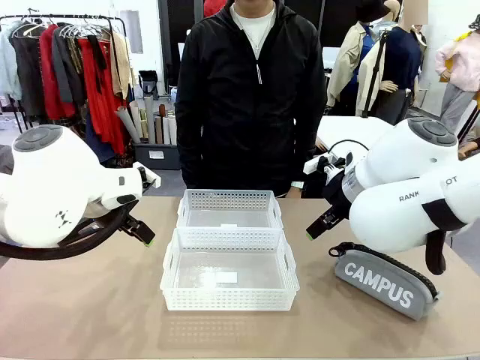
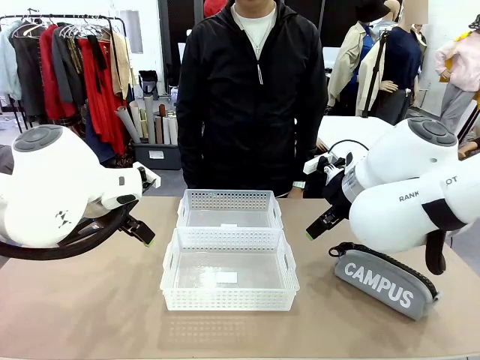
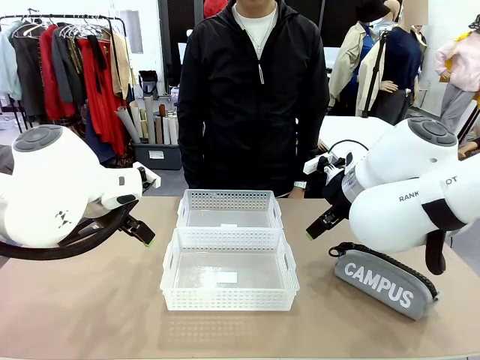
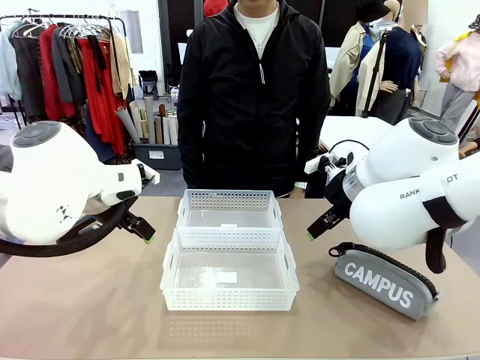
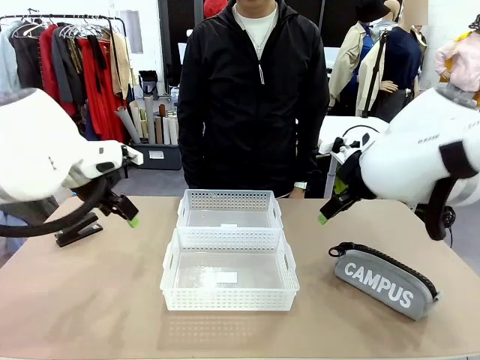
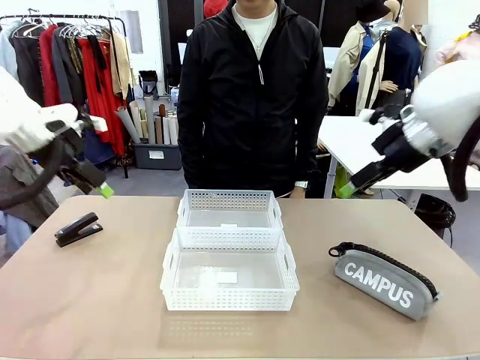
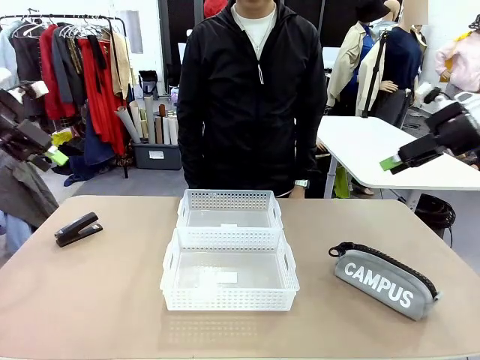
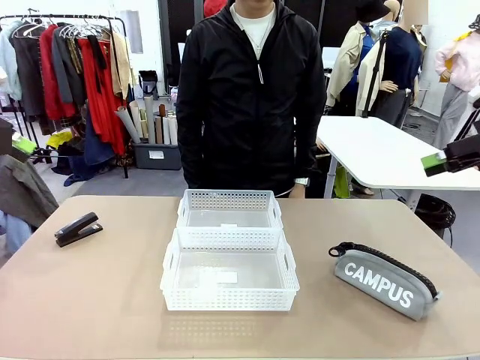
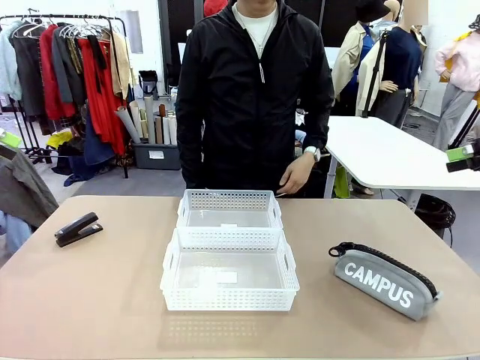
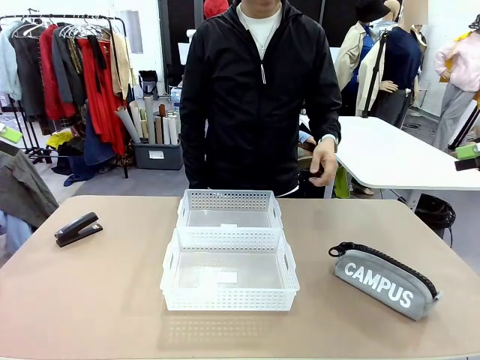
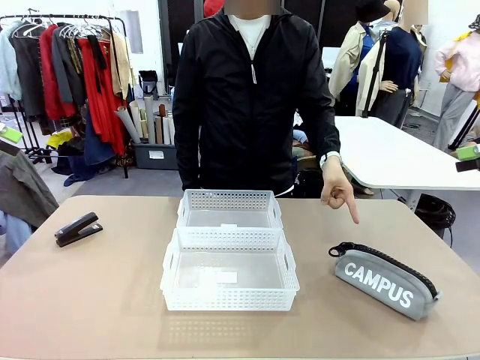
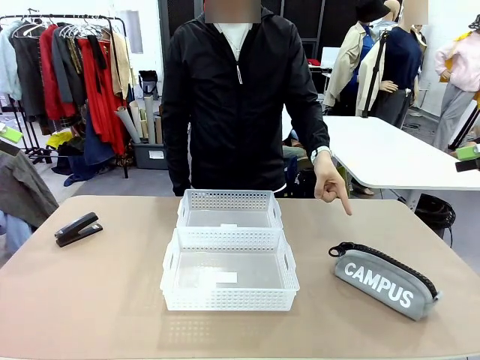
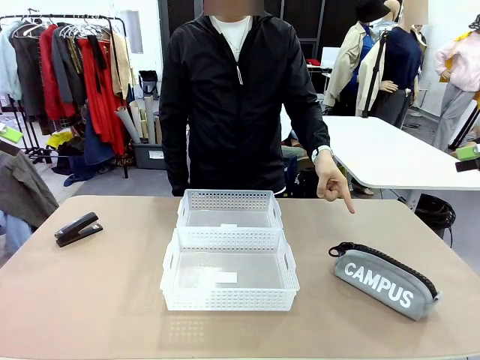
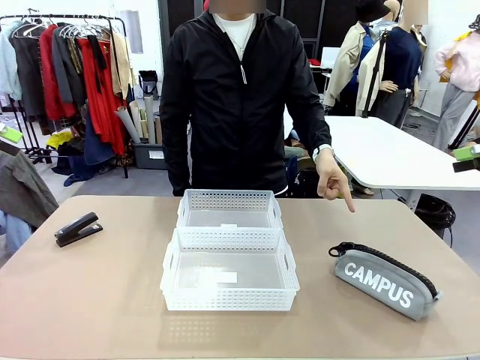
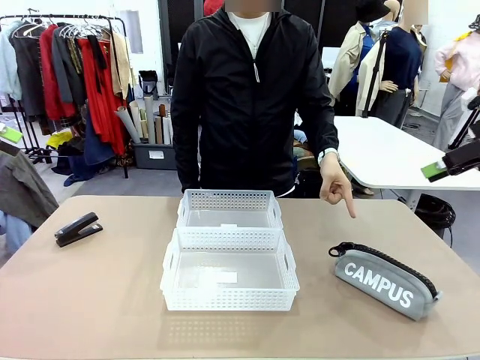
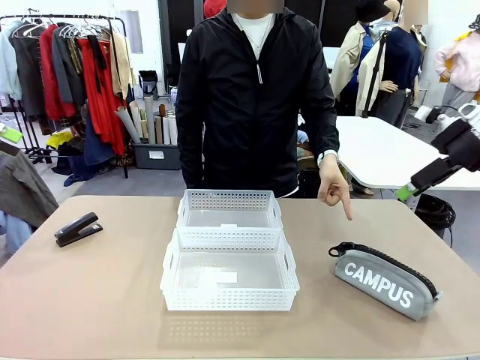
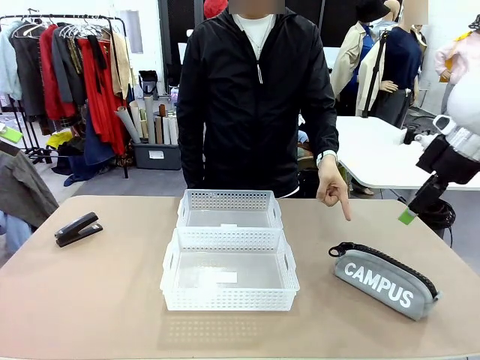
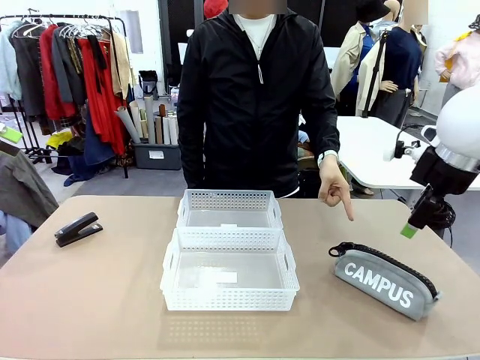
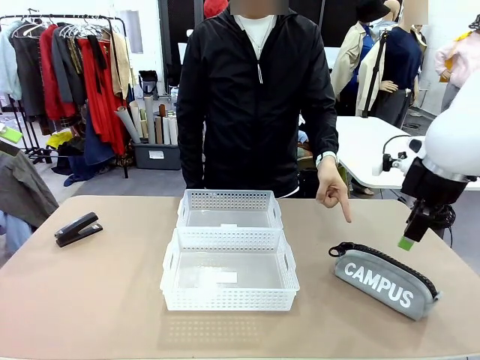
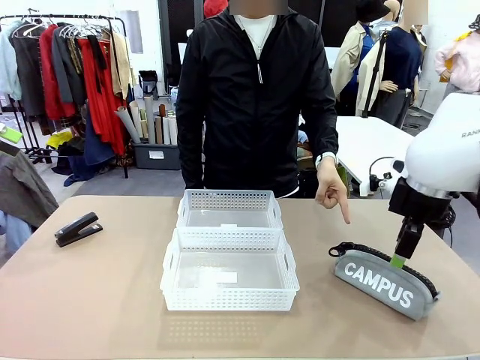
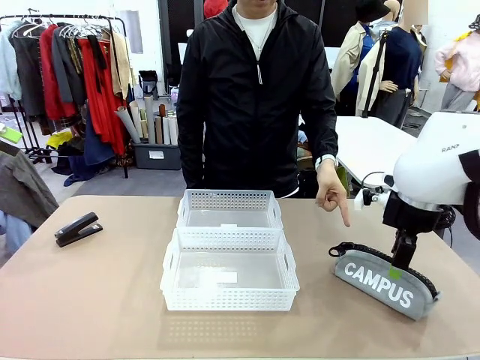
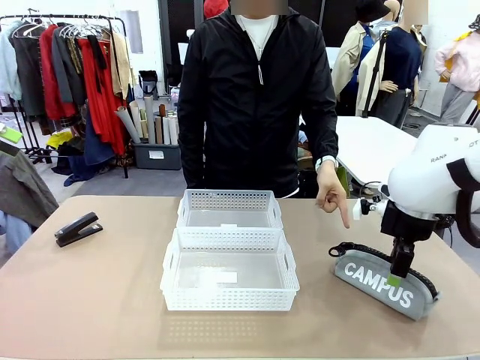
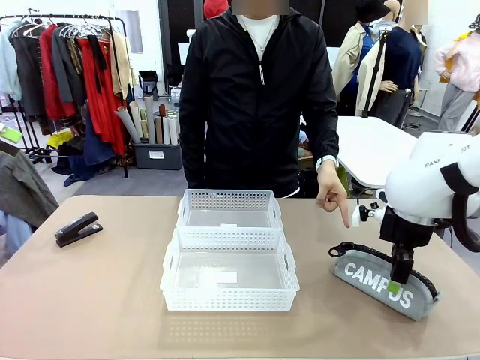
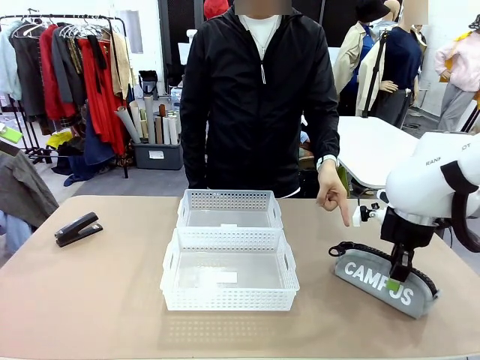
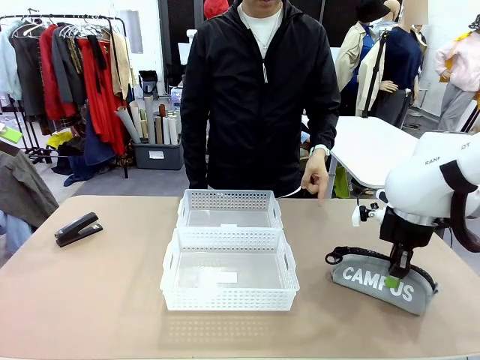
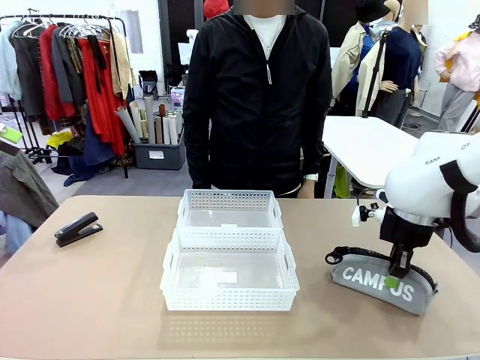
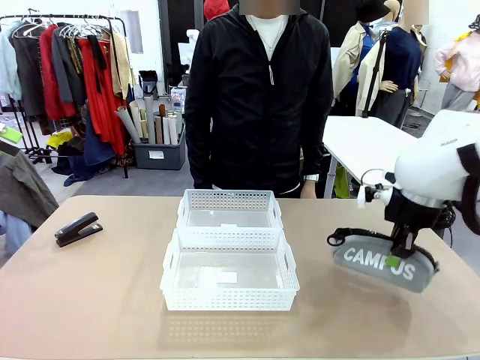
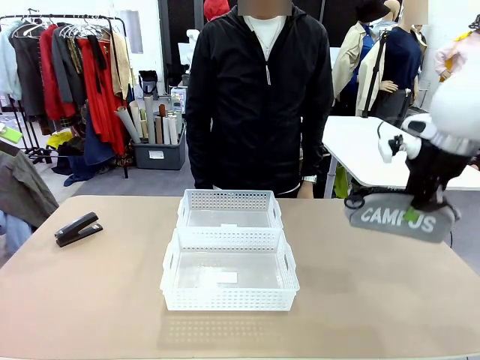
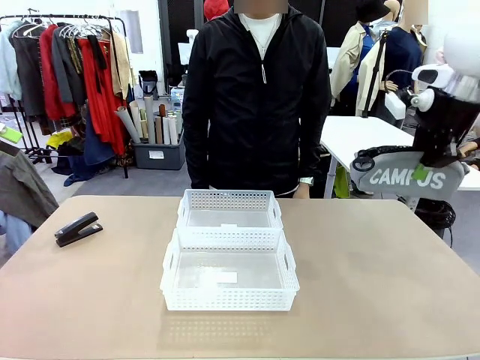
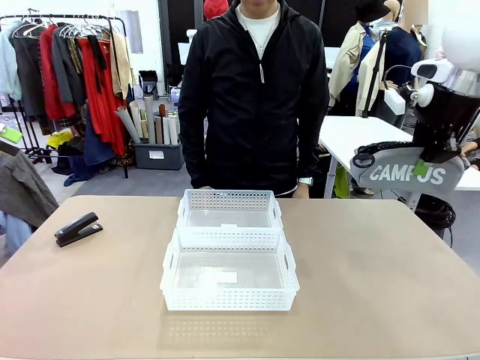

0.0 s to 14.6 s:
Task: Distribute items into two baskets.
Robot: Pick up the Pencil pouch that the person points to.
Person: Points to the pencil case. Points between the two organizing baskets and instructs the robot to move the pencil case.

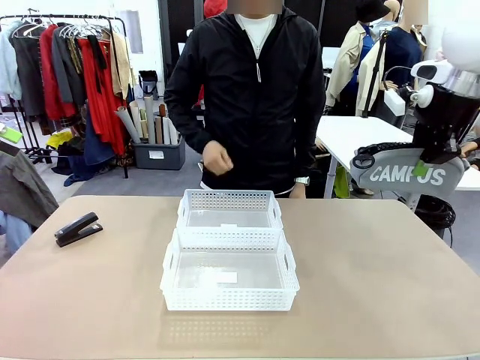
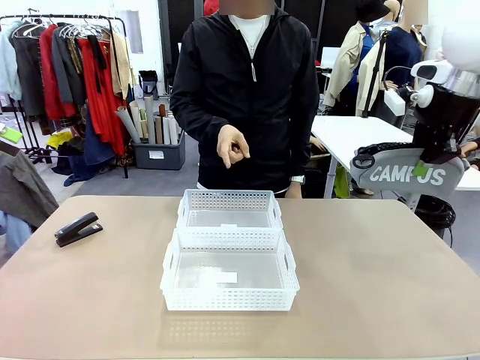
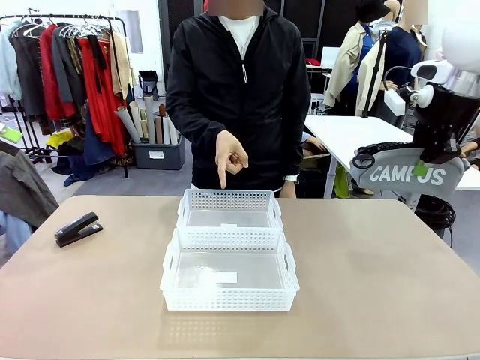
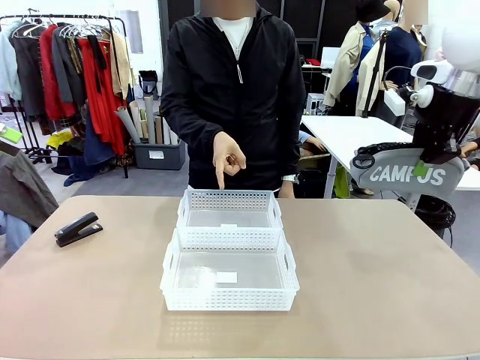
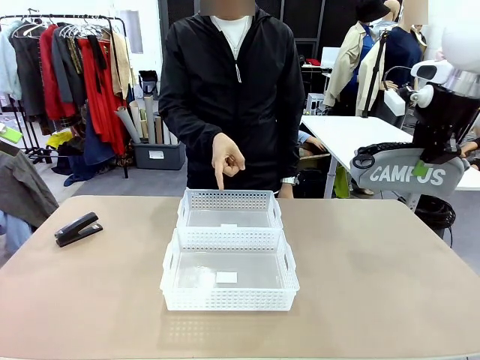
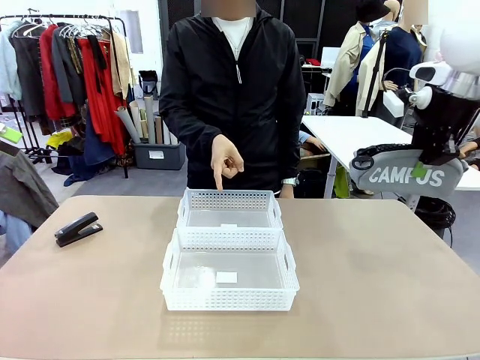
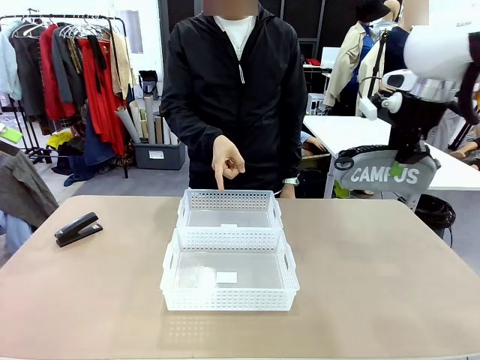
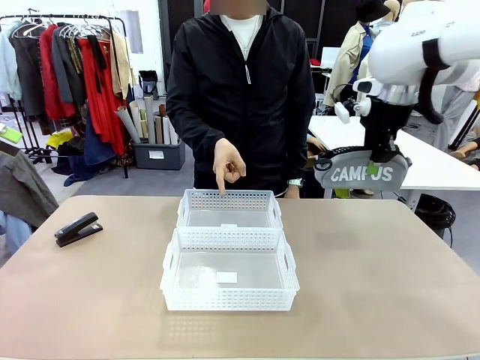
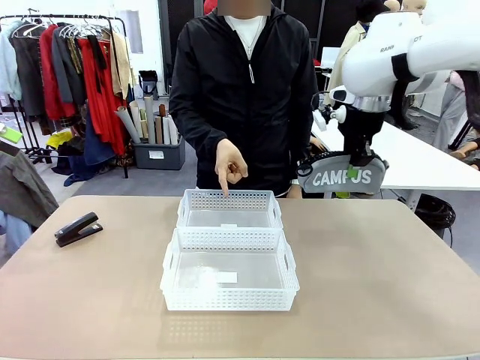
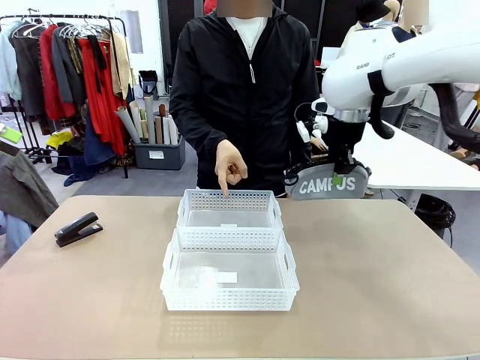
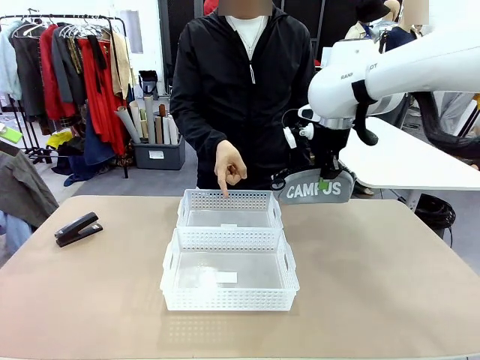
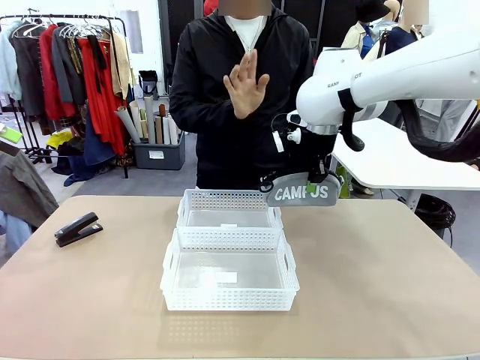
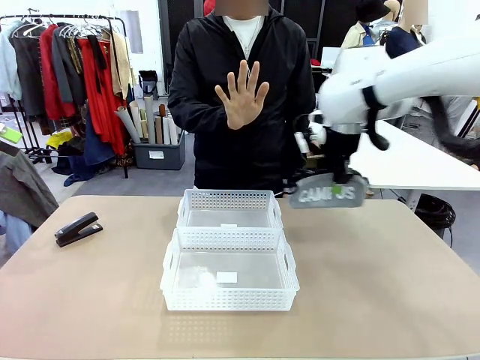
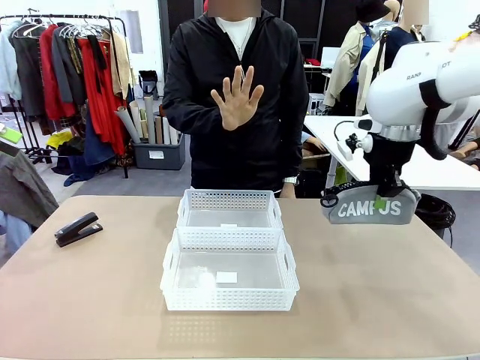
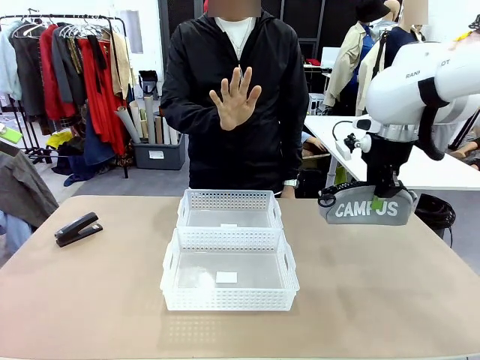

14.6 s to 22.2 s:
Robot: Move the picked Pencil pouch towards the Organizing basket indicated by the person, stopping as directed.
Person: Sends a stop gesture before the robot places the pencil case into the basket.
